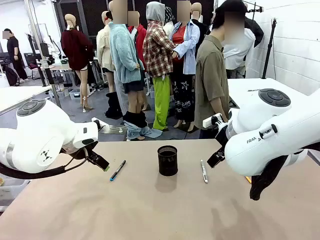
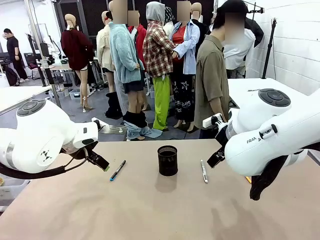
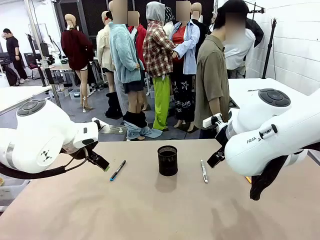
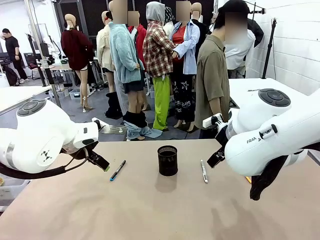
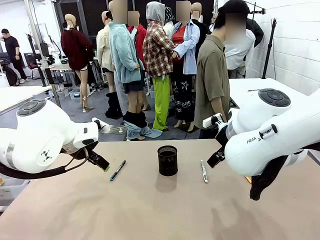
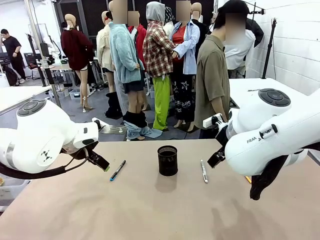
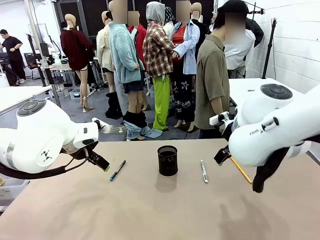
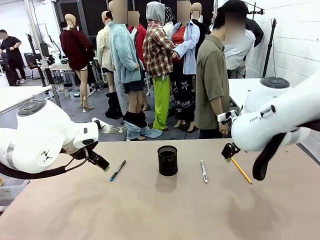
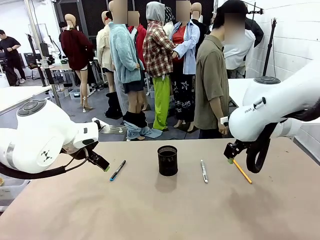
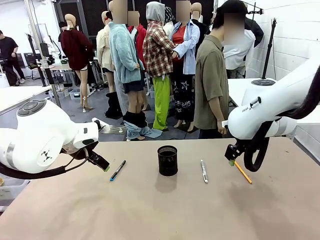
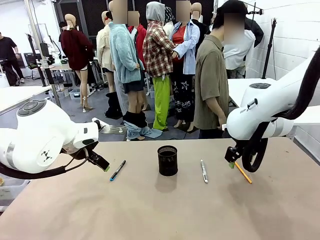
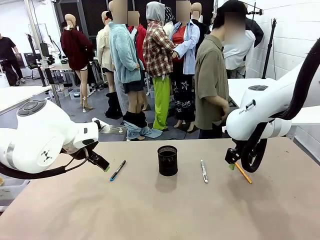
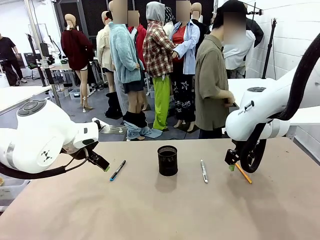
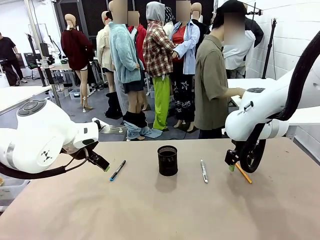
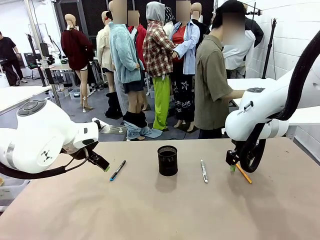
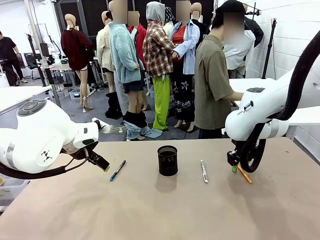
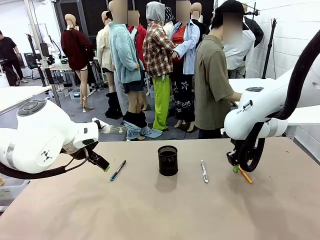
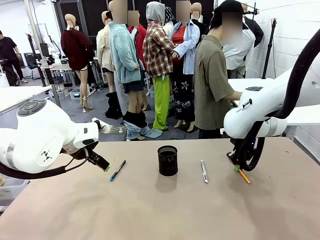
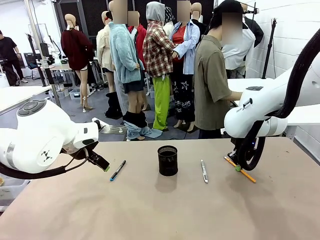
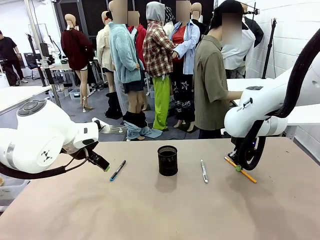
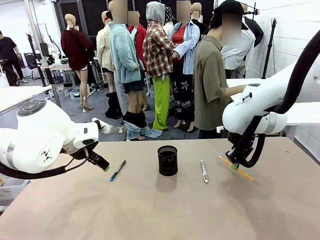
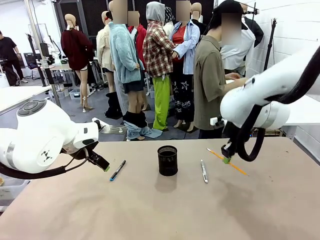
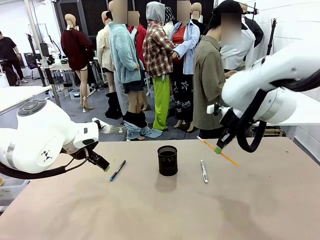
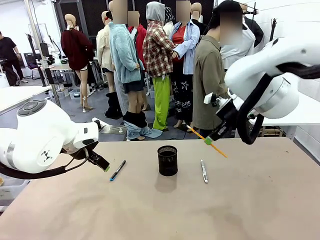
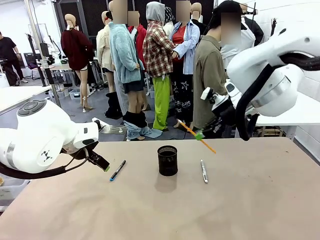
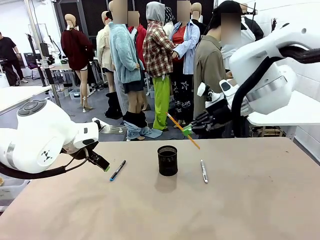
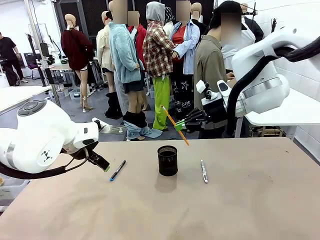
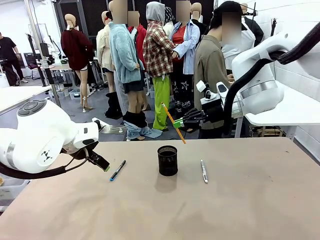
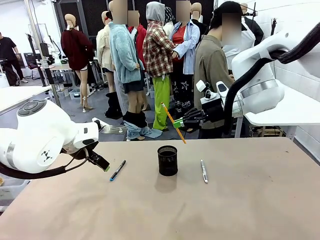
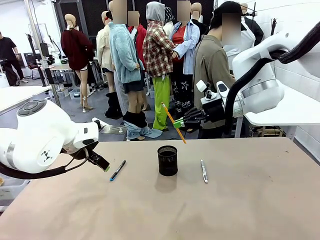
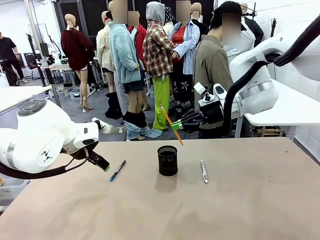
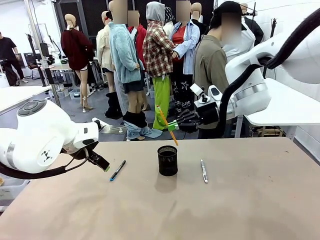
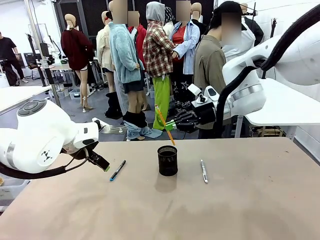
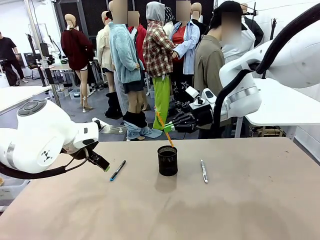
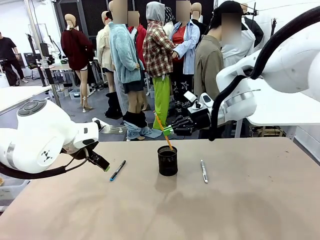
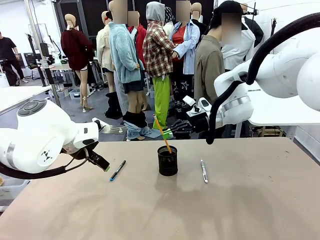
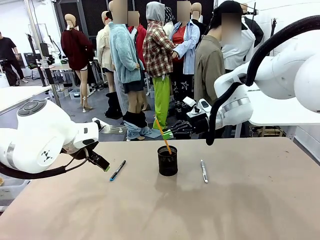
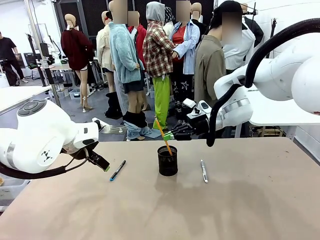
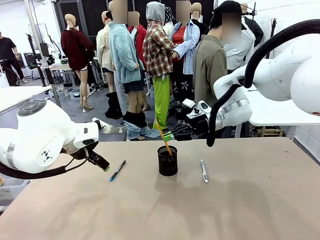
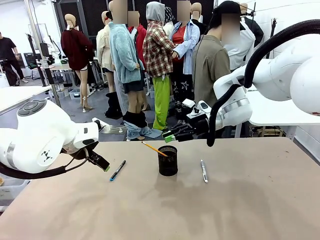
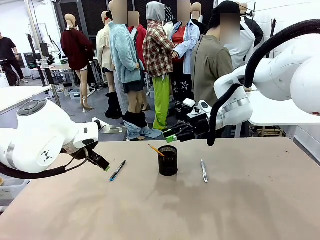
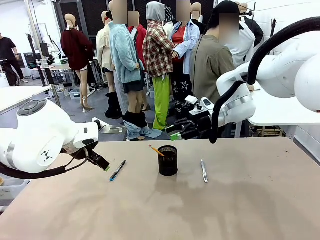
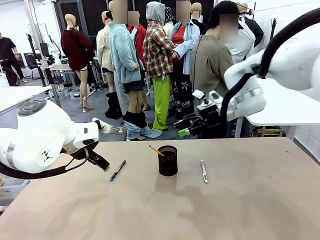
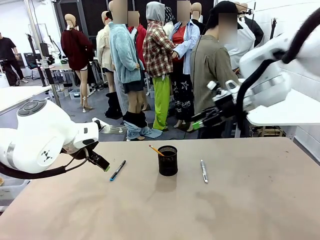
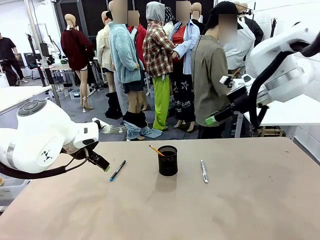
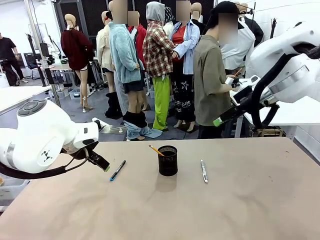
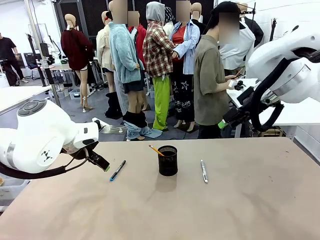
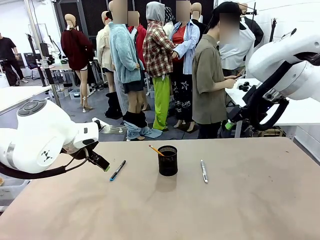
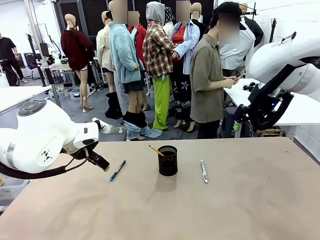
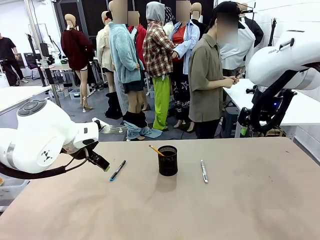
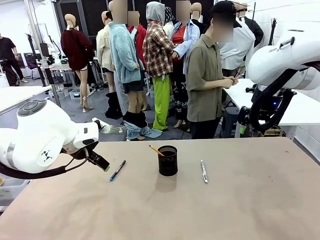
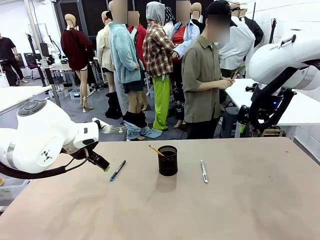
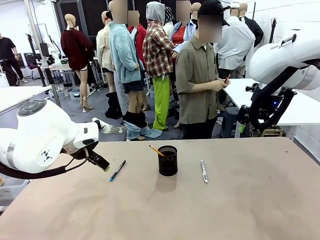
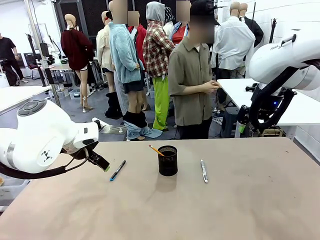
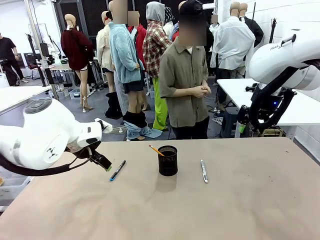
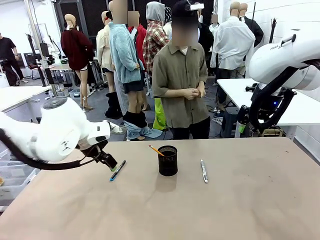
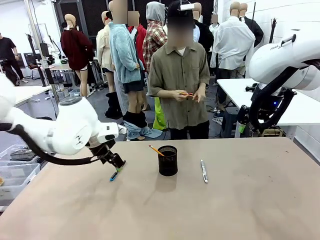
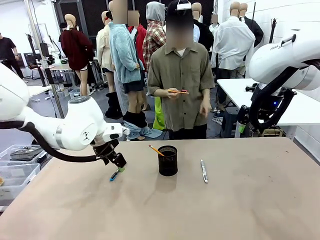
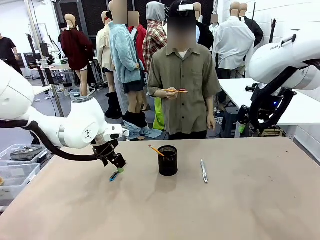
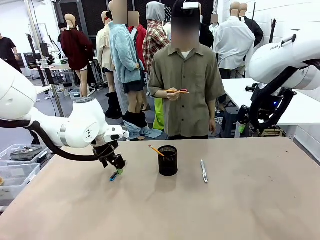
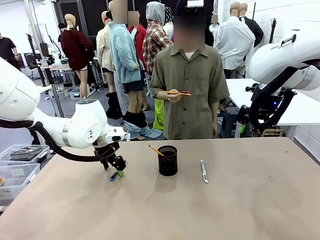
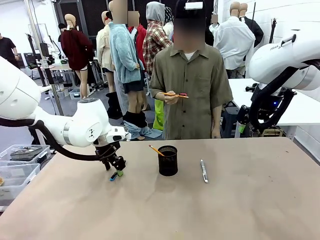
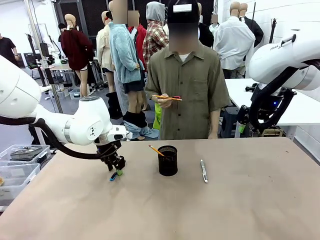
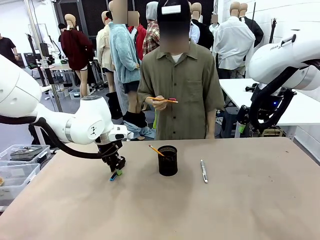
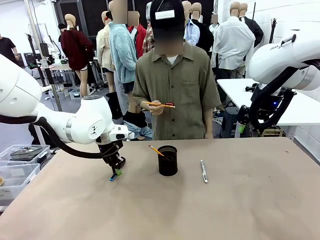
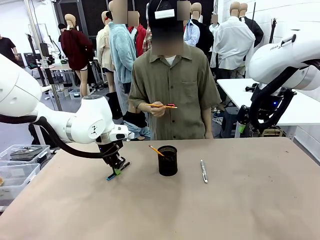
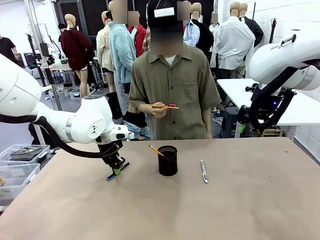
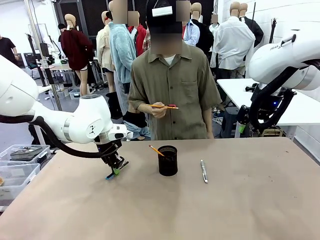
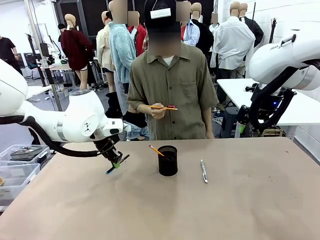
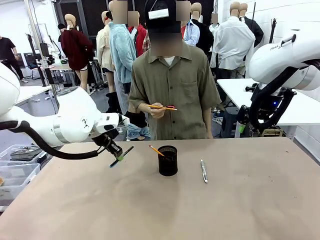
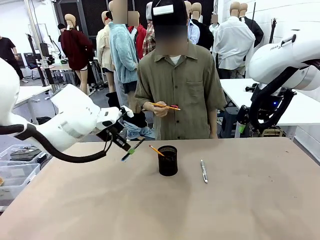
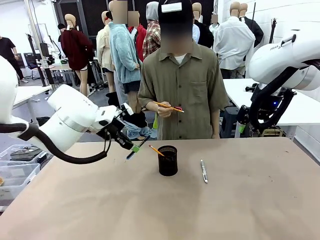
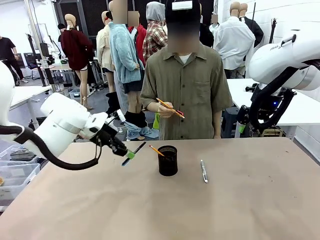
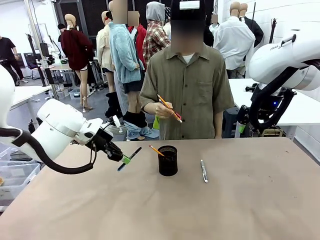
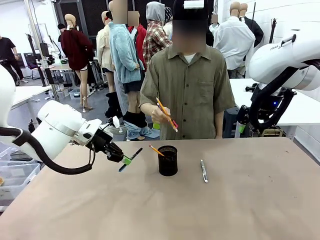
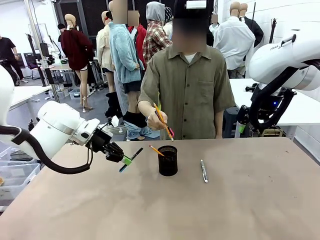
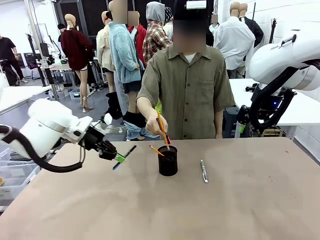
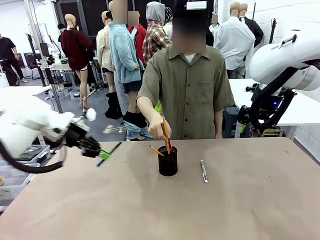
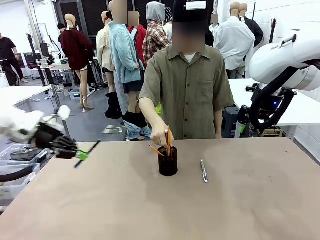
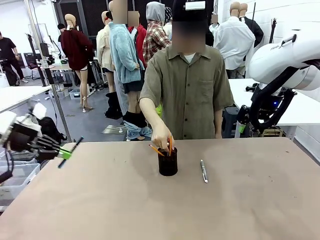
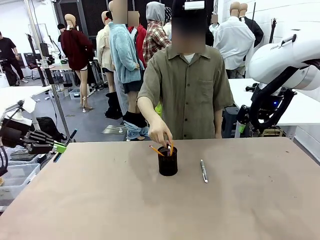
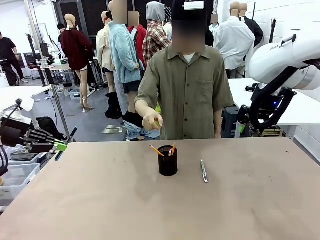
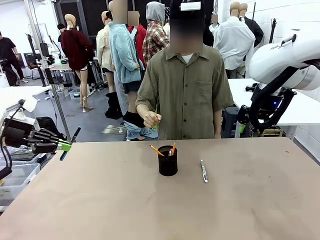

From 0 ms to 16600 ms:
Task: Place the pens into the pen holder.
Robot: Pick up a writing instrument from the table and place it into the Pen holder.
Person: Pick up all writing instruments from the Human table.
